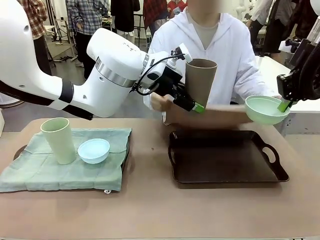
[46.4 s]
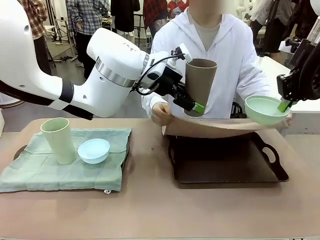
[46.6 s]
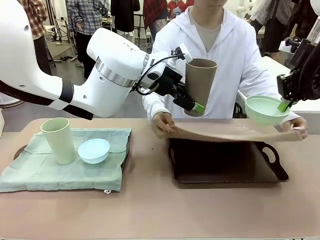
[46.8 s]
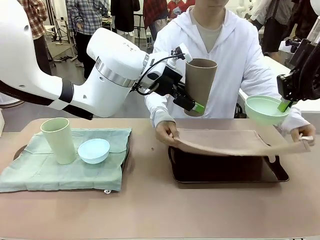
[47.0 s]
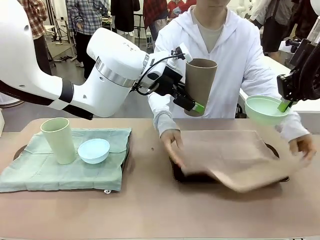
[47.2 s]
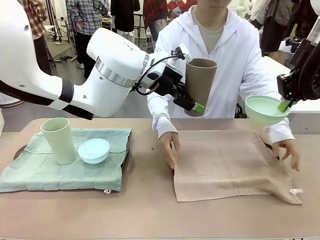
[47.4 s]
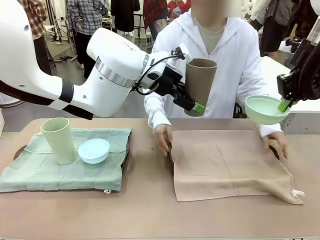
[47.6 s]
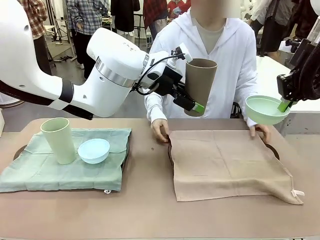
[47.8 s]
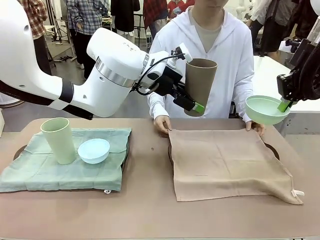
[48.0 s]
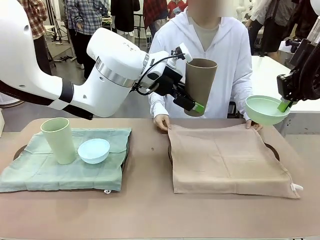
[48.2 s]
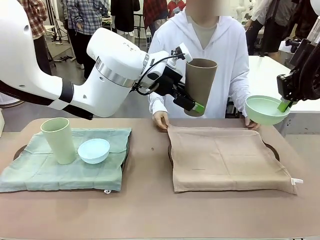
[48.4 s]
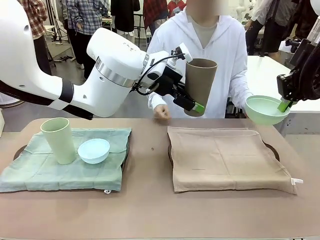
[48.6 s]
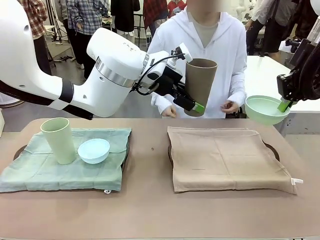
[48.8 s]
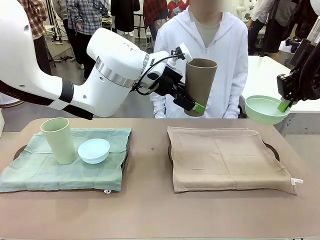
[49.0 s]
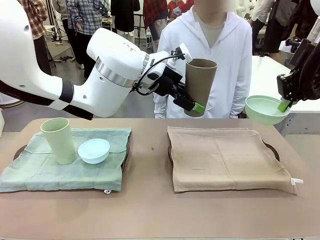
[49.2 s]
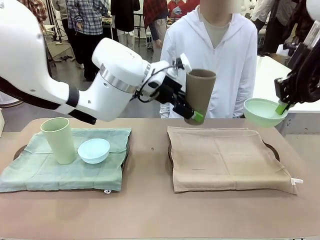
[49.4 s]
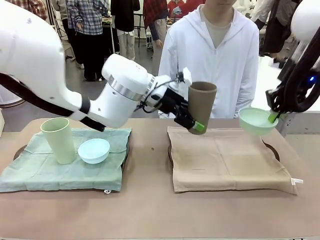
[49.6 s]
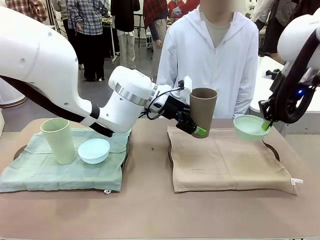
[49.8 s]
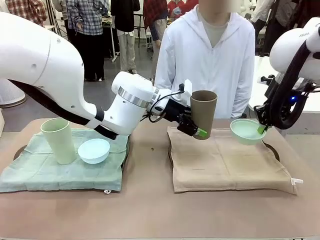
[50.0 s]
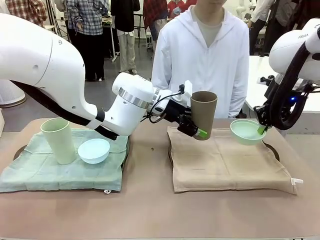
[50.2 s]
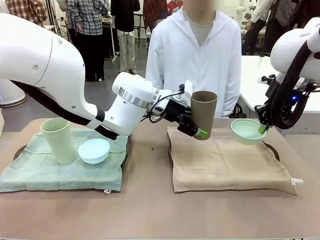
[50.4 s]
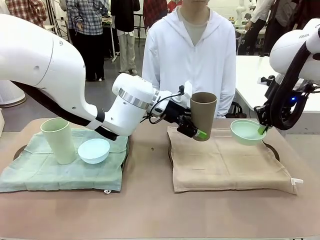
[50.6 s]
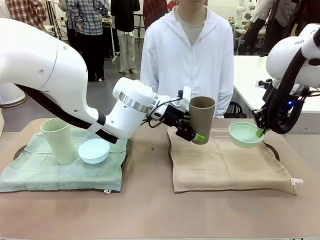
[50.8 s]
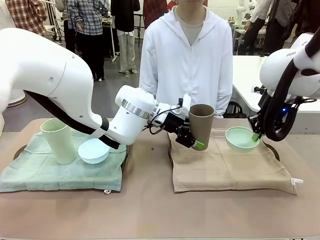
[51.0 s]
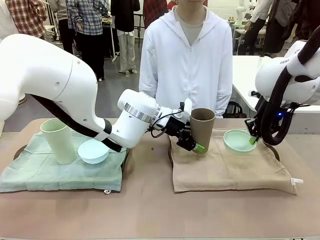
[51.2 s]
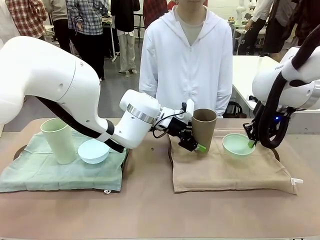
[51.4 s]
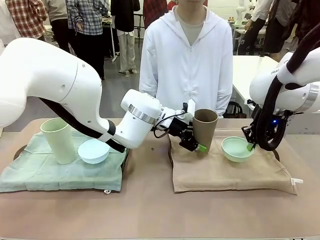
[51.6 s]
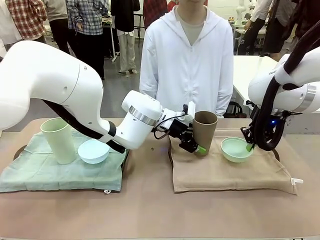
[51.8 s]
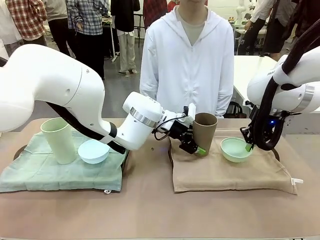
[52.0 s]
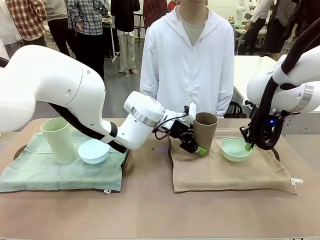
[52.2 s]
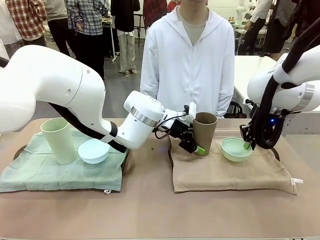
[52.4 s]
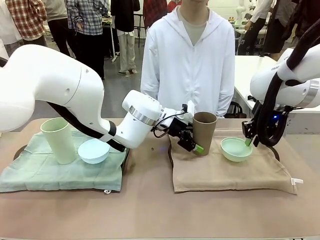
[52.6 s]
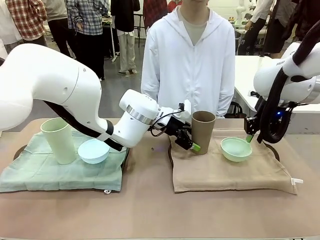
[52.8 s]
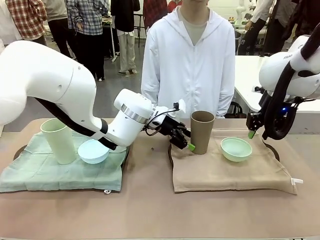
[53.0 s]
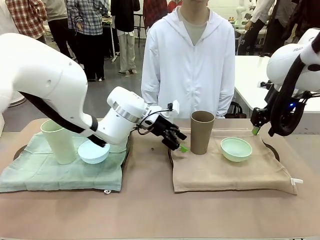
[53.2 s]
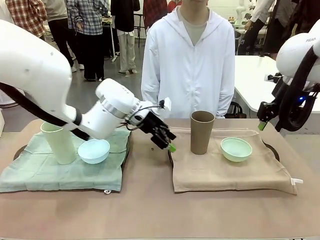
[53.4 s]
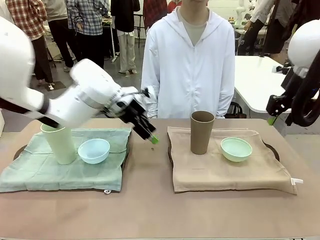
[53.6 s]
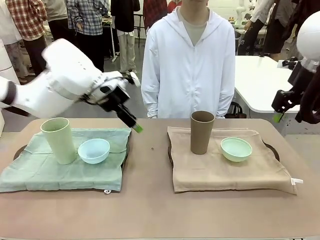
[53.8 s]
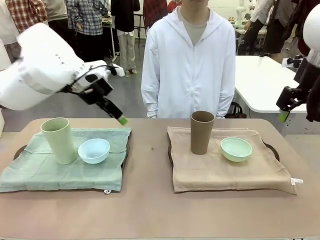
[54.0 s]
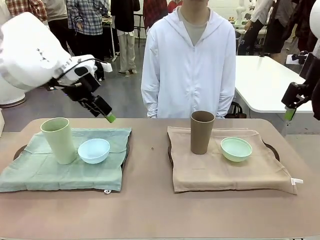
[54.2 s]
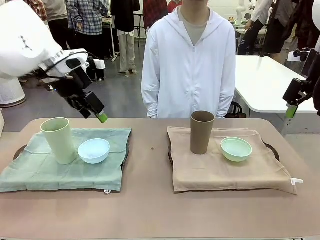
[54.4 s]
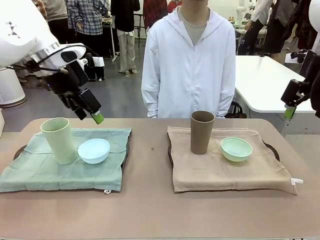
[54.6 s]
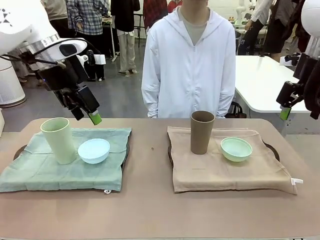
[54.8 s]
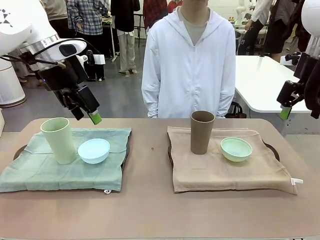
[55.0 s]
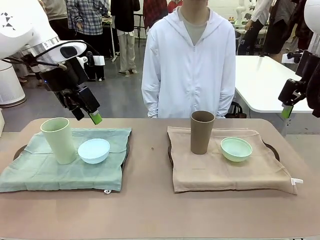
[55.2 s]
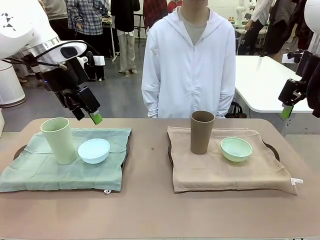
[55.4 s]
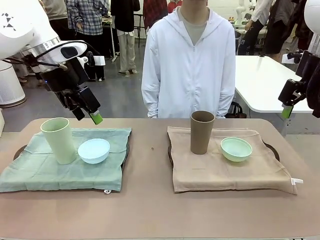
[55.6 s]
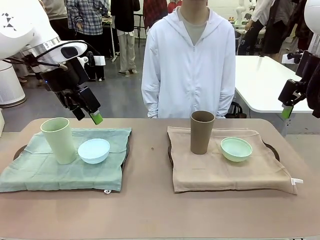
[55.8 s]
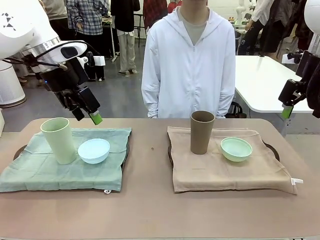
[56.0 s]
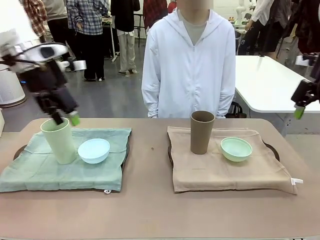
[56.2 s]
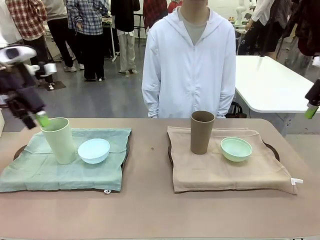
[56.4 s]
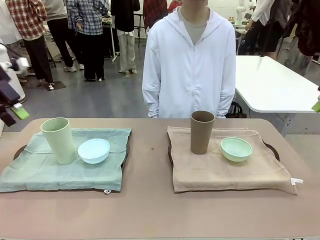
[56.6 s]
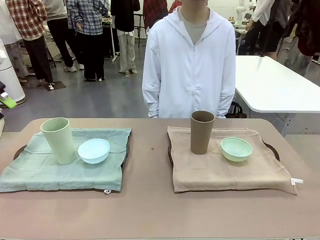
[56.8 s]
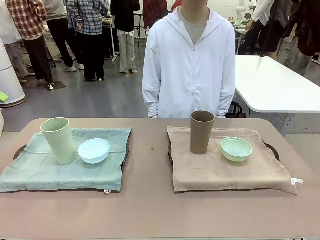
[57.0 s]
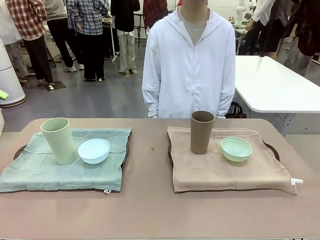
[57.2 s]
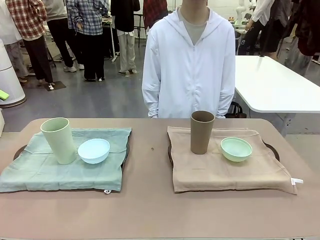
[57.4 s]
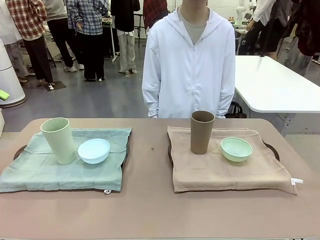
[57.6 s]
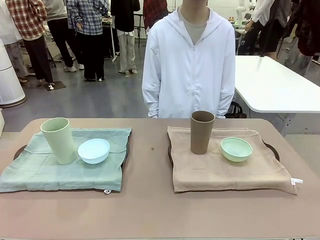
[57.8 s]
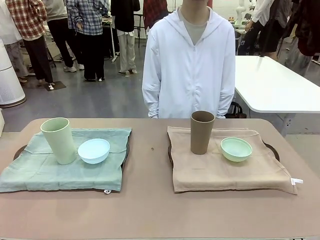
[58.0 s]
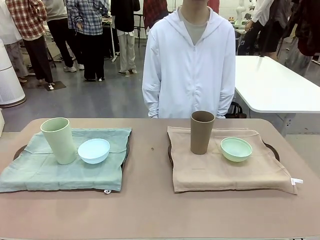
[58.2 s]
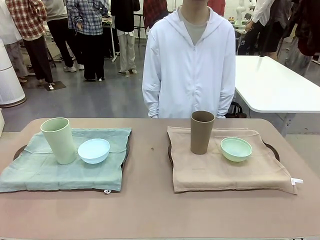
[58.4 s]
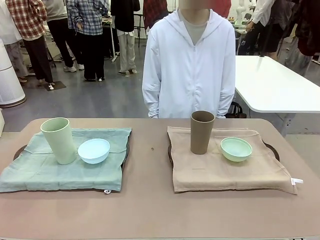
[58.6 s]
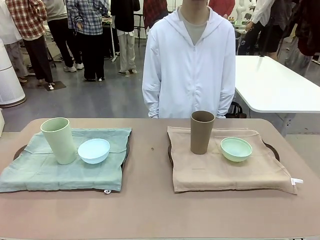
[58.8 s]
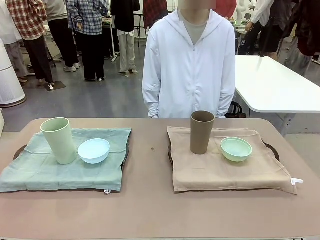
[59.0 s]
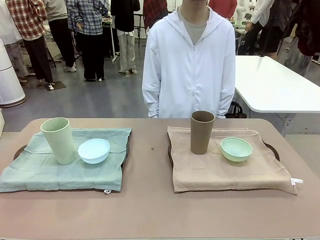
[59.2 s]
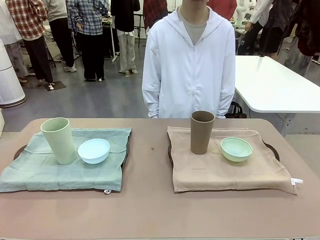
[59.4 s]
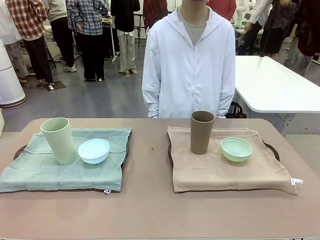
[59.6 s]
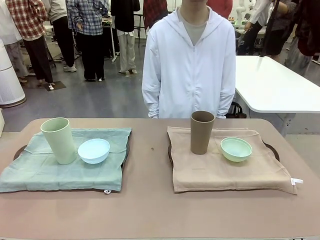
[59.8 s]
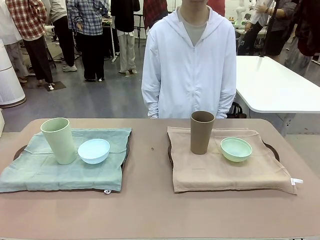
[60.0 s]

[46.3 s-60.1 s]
Robot: Place the Picnic Bowl and Reusable plastic cup back onto the Handle tray in front of the human's position.
Person: When the robot lifts the bowl and the cup, the human unfolds the napkin and lays the napkin flat on the tray.

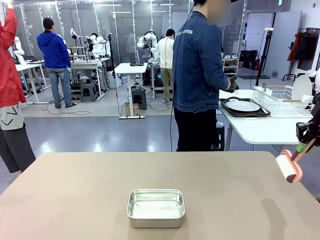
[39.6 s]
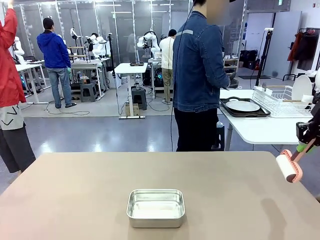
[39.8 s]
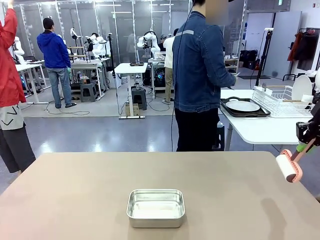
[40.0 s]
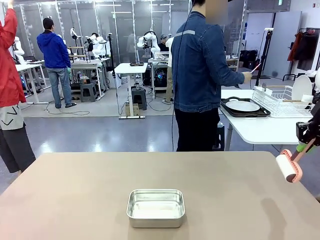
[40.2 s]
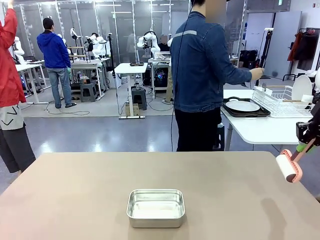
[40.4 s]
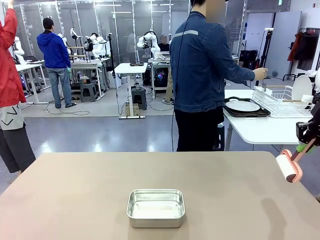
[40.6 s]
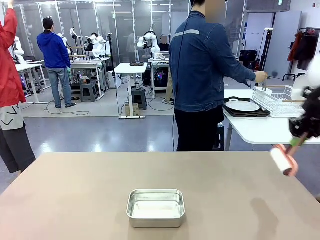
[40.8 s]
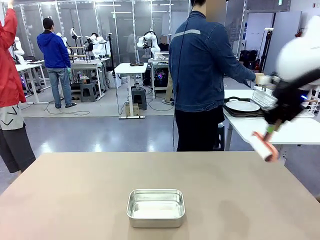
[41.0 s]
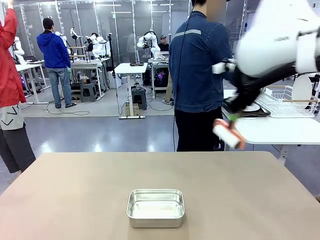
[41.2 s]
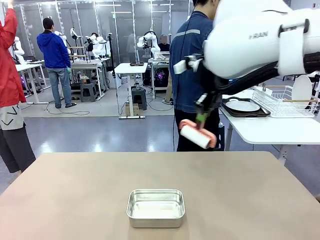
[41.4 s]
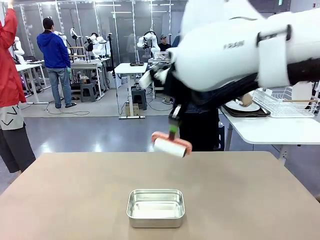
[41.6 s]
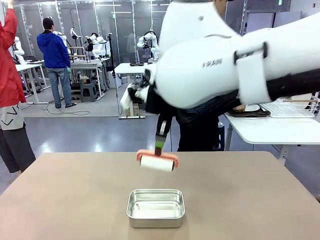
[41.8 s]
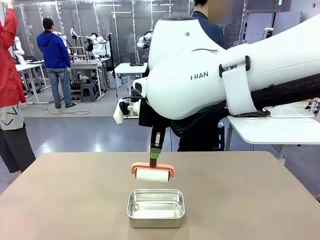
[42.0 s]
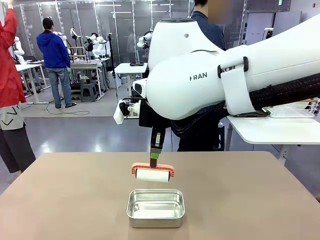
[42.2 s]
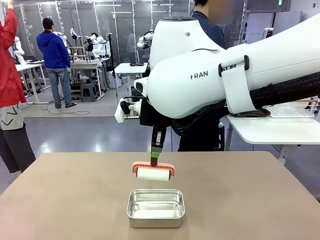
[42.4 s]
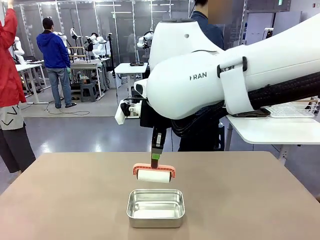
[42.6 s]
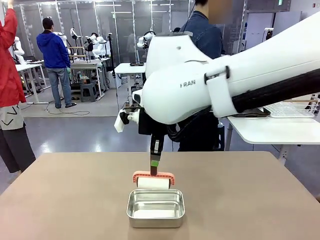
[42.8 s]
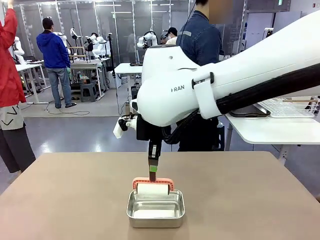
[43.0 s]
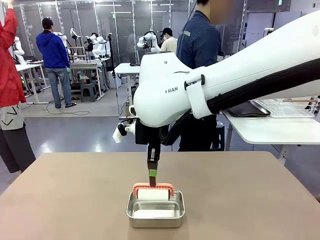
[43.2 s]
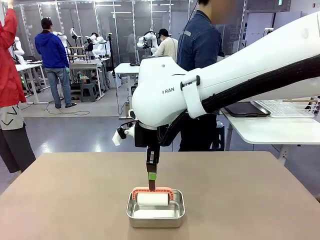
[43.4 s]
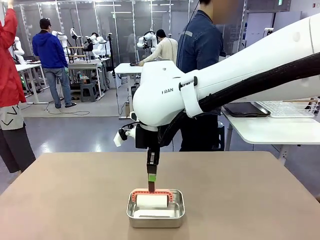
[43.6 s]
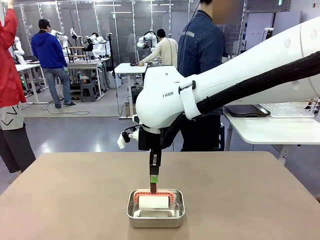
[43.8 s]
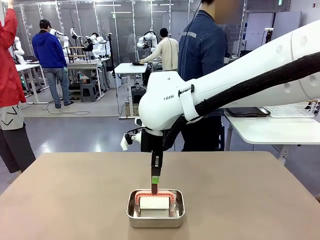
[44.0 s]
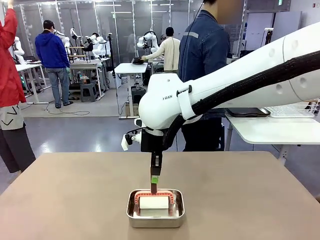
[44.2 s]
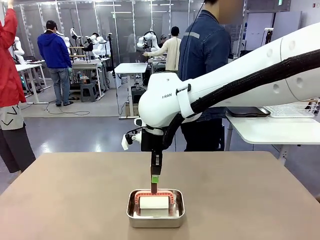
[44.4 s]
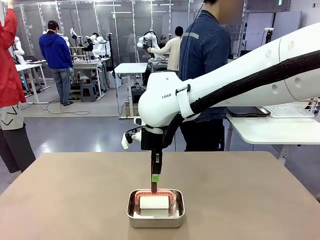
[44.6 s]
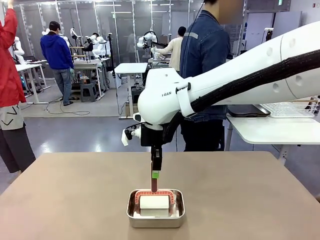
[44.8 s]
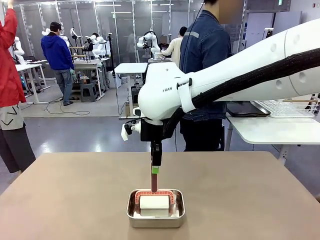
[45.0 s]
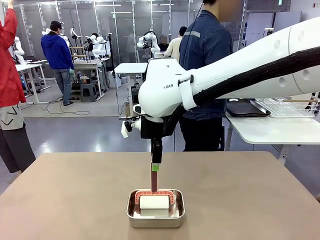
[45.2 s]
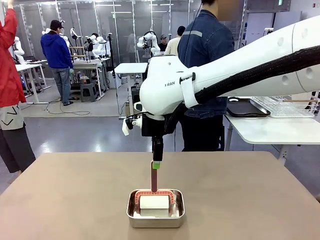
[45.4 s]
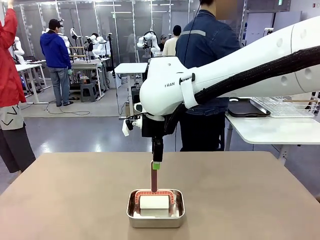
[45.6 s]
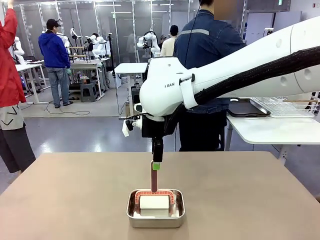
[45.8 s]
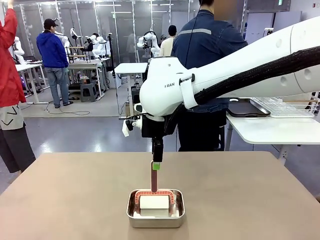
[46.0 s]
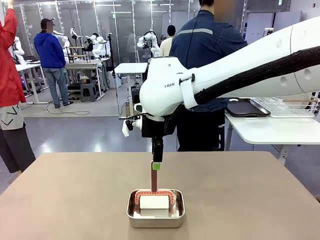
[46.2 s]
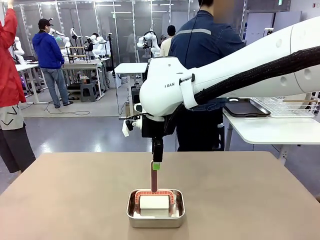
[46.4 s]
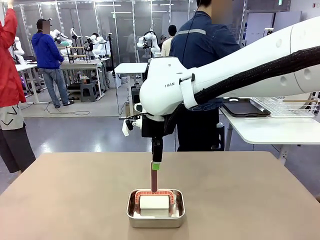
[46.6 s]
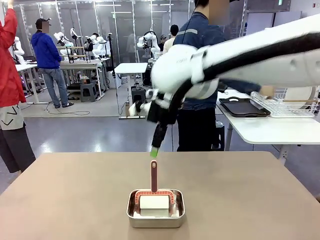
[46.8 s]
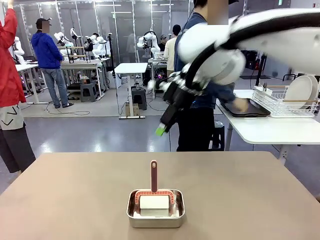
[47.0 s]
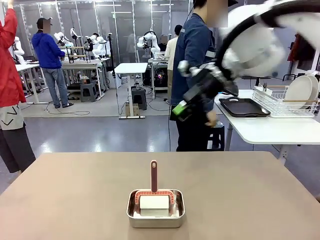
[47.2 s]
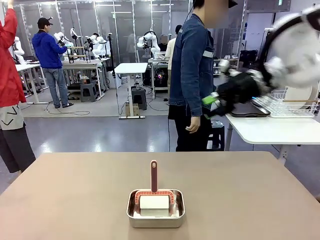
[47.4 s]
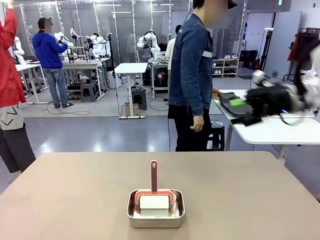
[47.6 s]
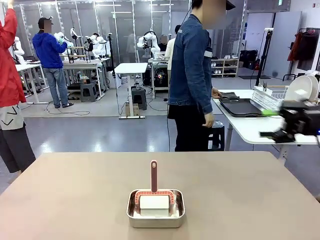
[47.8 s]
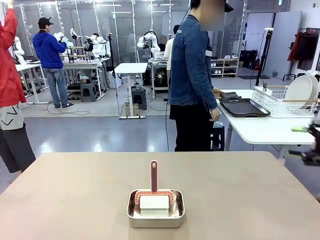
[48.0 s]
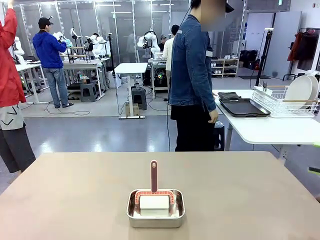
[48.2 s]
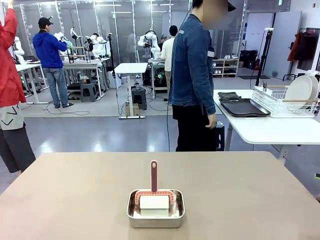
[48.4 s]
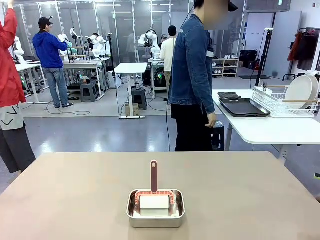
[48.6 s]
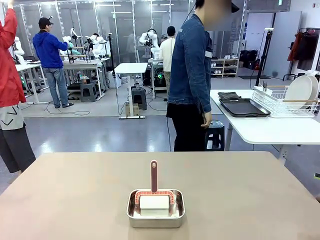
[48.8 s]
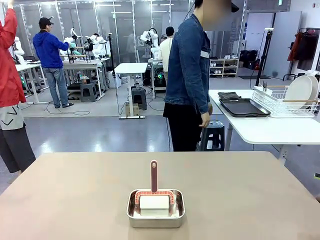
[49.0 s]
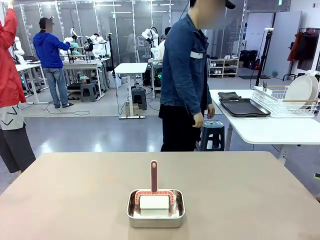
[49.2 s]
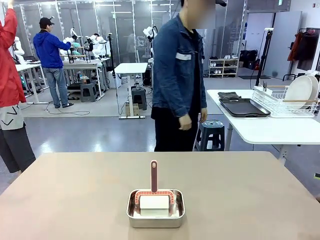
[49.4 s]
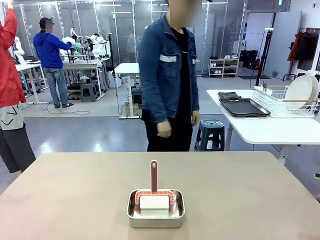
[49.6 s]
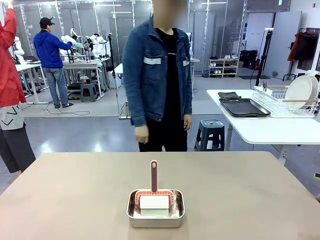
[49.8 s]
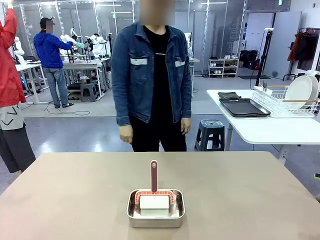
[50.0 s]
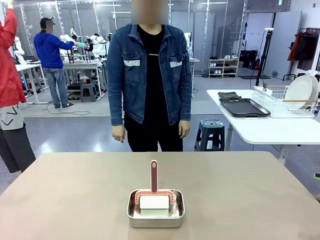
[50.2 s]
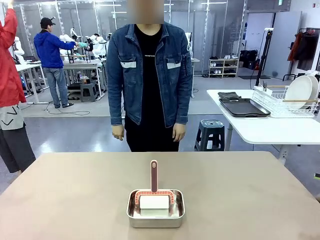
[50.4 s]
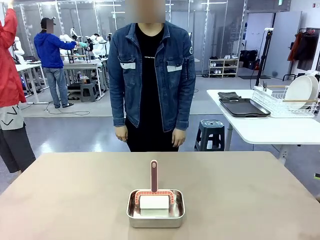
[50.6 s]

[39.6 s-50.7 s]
Robot: Place the Lint Roller back on top of the Airtight Container.
Person: Use the Towel with hook to wipe the Plastic Matte Plate , Fork , and Knife and place into the Dish drying rack.
